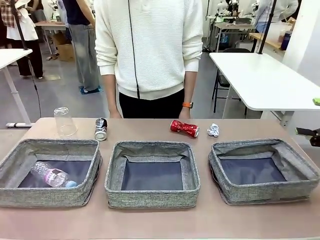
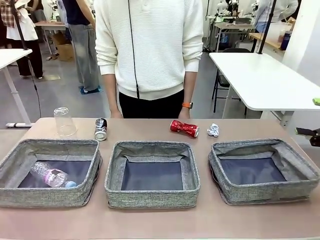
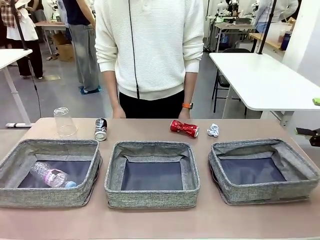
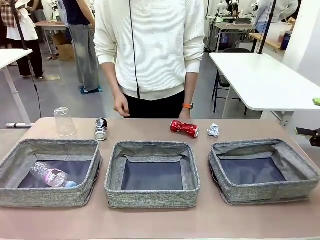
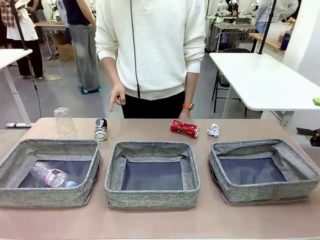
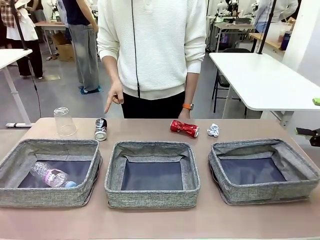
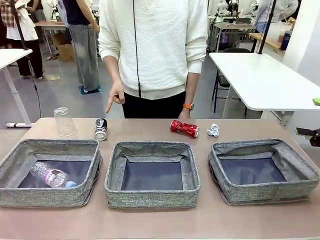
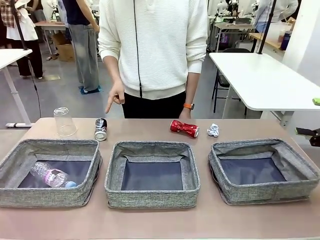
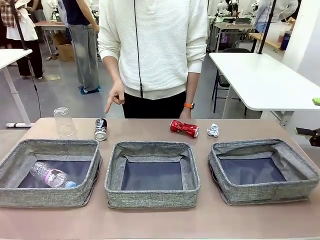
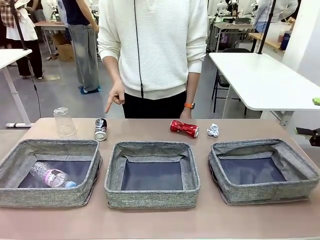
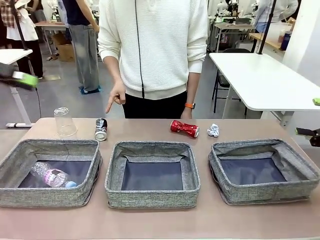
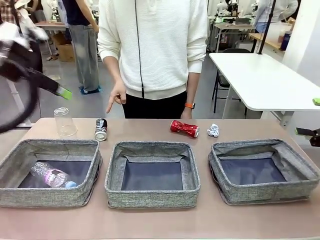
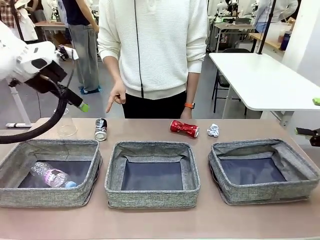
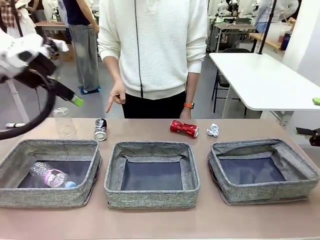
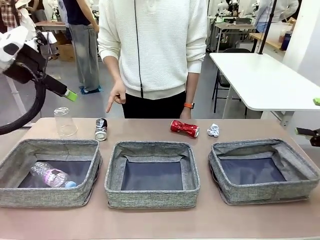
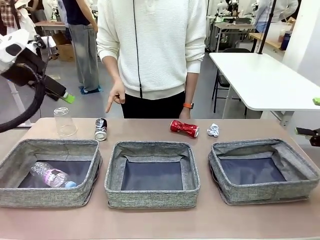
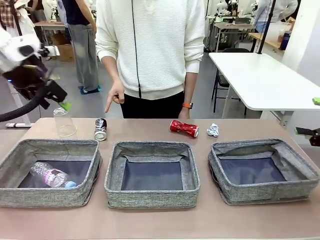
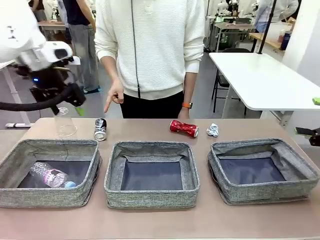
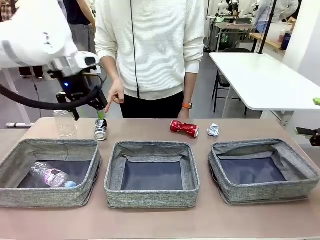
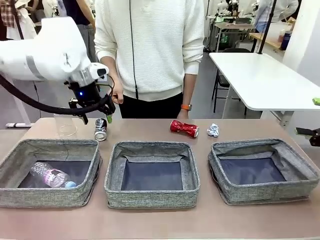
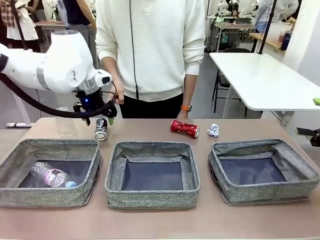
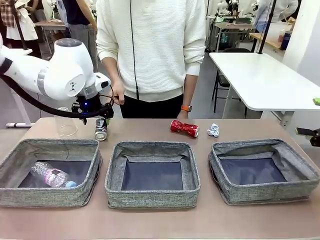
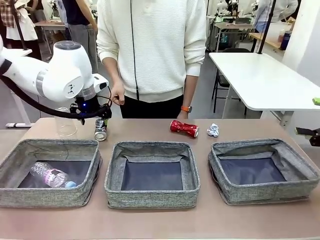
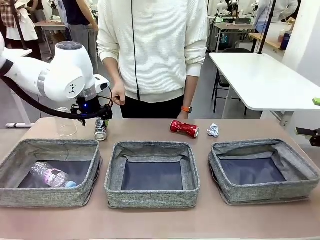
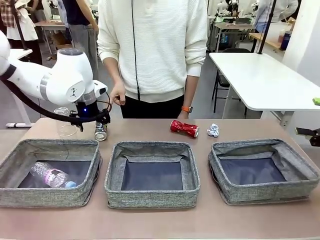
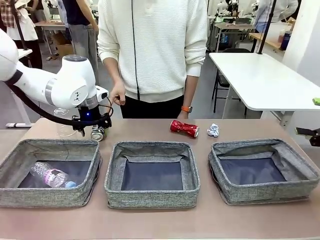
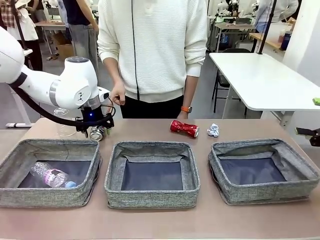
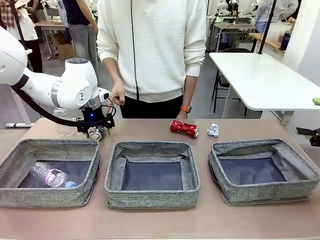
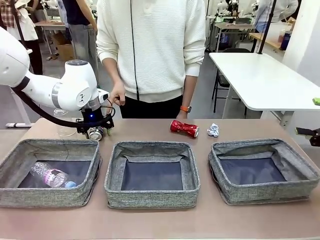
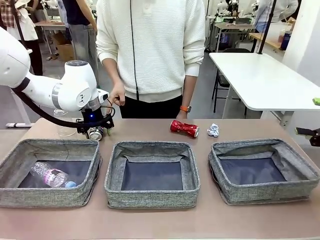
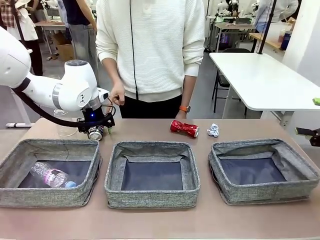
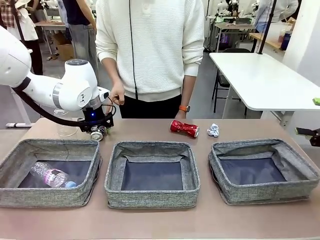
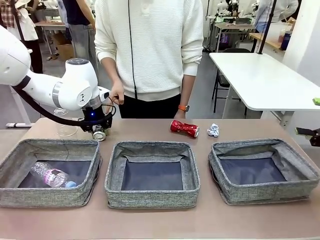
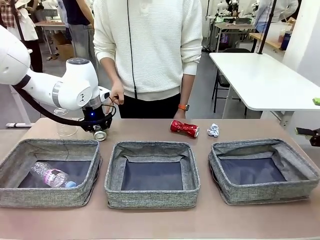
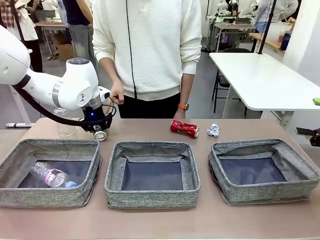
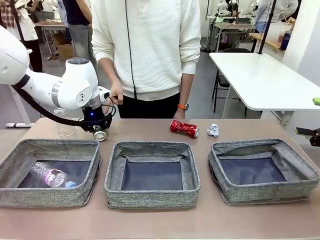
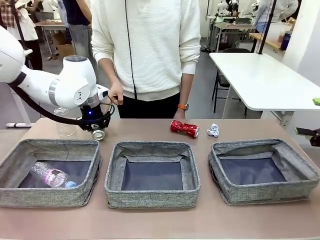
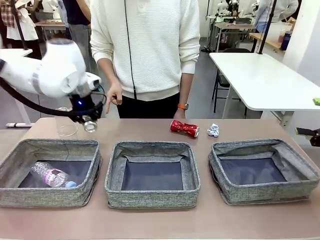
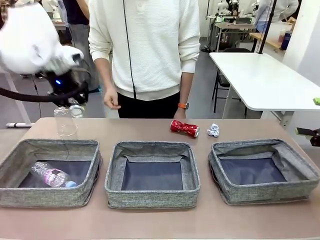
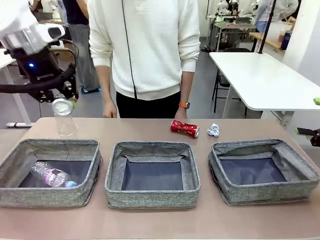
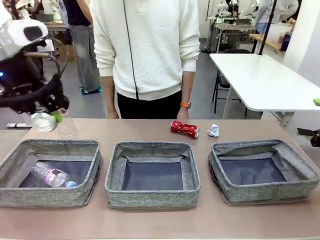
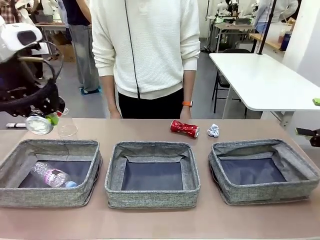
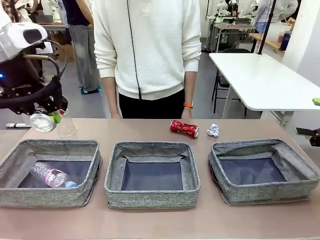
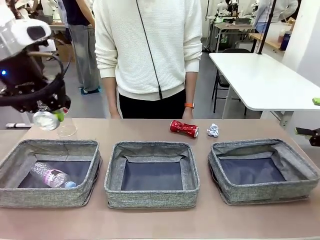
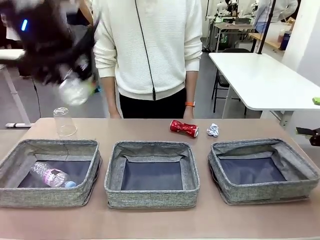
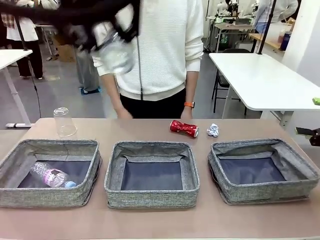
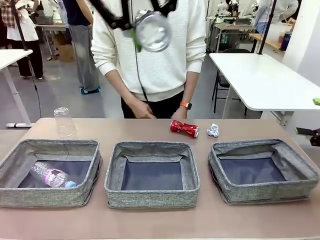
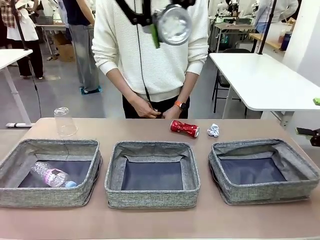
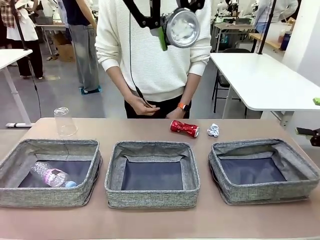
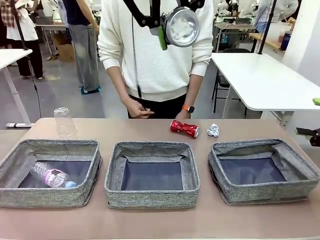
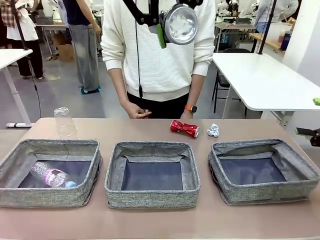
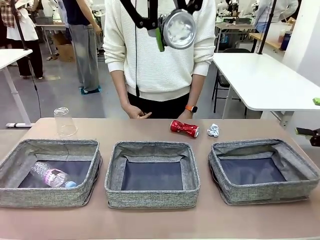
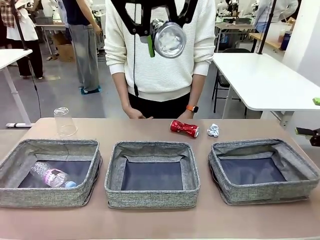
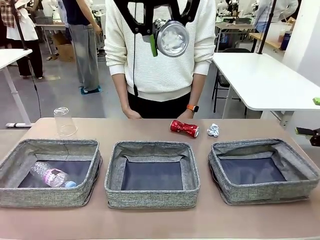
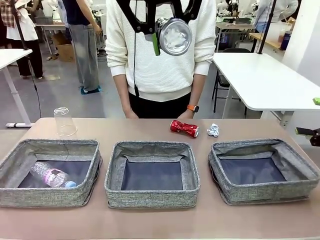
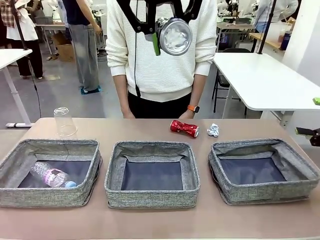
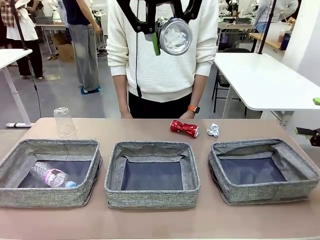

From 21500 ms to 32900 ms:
Task: Sort the waste into the appropriate baskets.
Robot: Pick up the waste item pointed out by the person.
Person: Points to one piece of trash on the table.

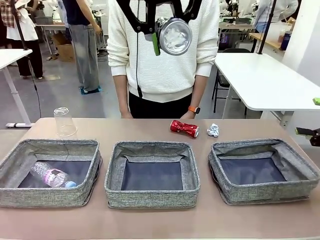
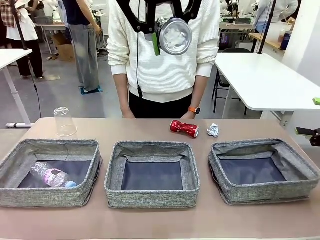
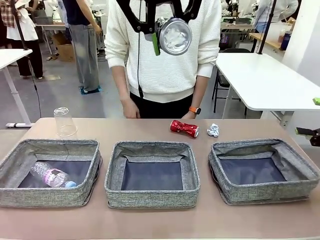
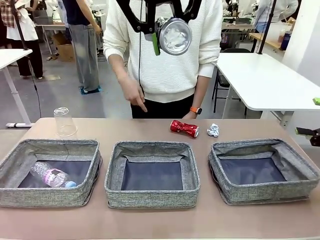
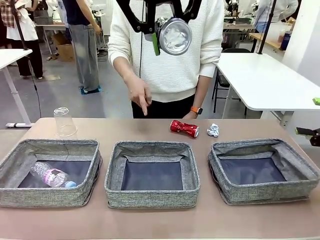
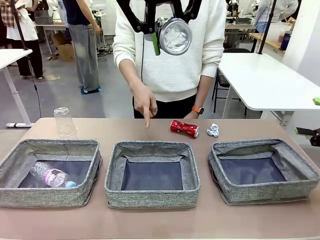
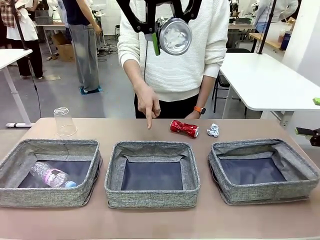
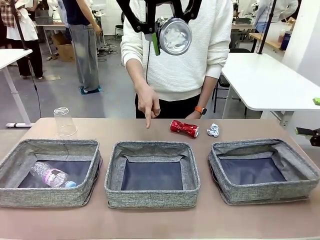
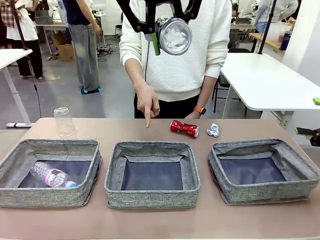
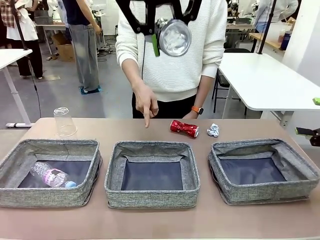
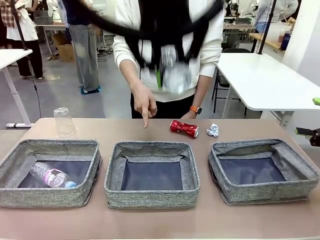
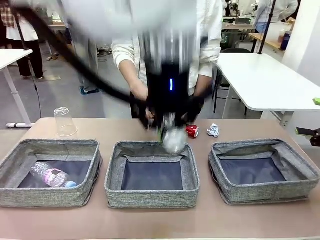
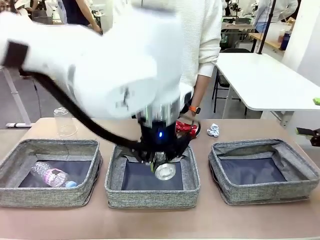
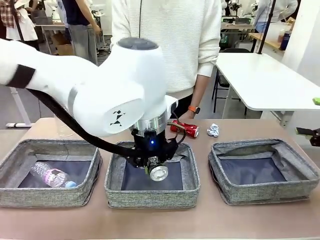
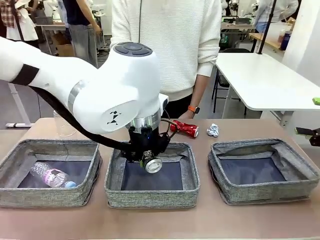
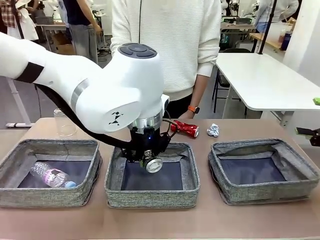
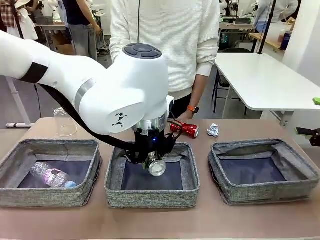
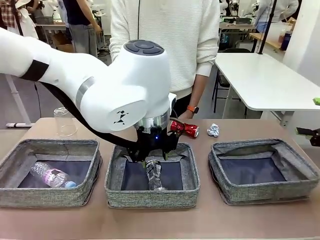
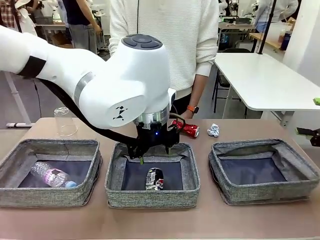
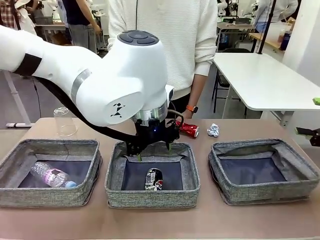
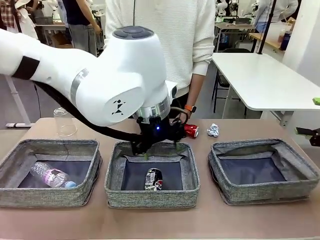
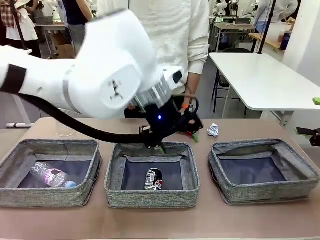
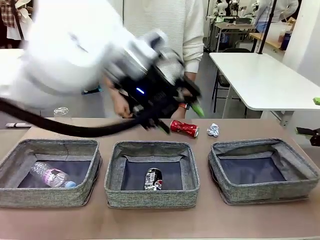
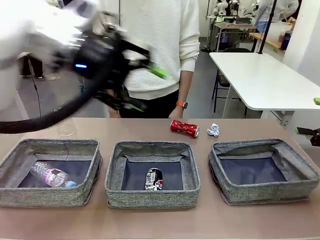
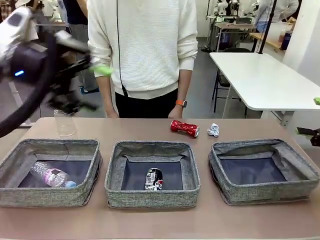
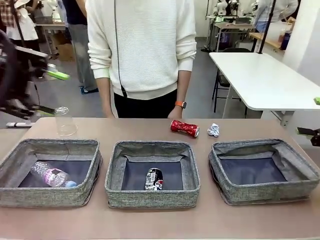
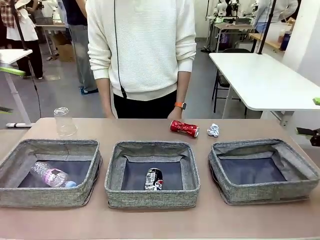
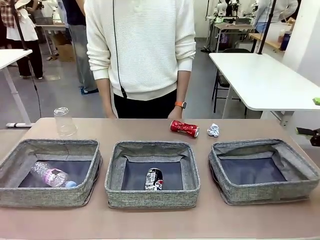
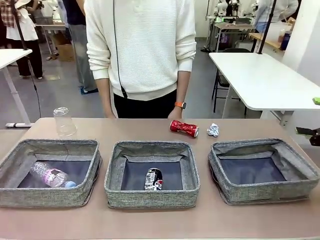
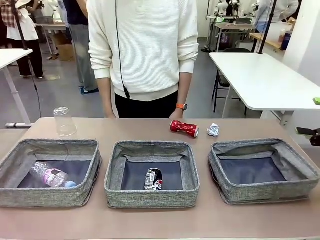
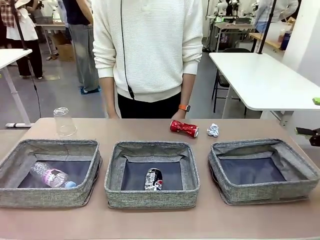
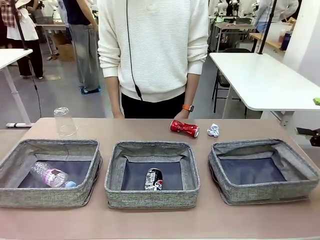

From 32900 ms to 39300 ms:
Robot: Place the picked waste into the Fabric basket indicated by the person.
Person: Instructs the robot to place the picked-up trash into the appropriate organizing basket.

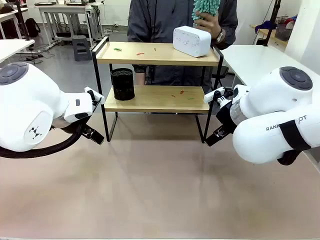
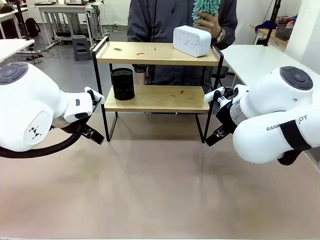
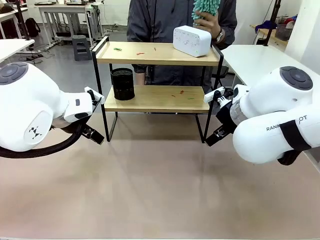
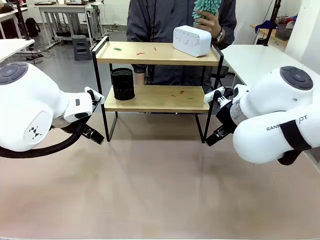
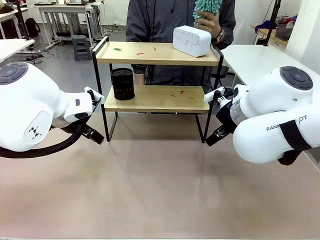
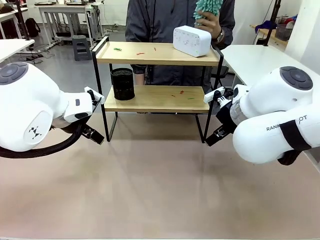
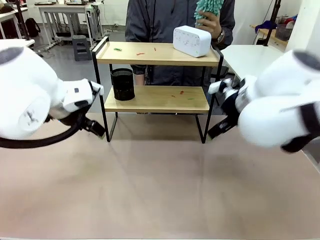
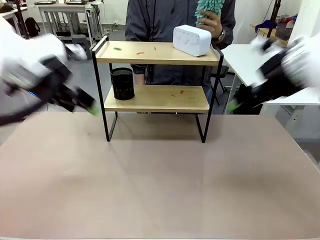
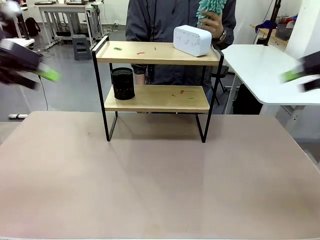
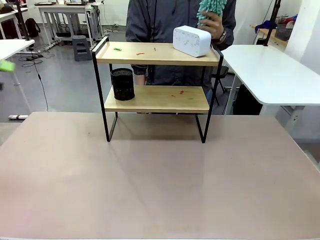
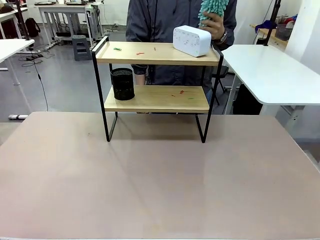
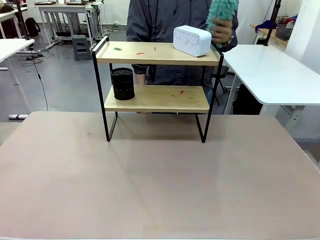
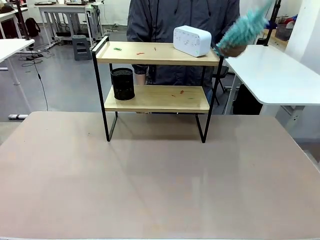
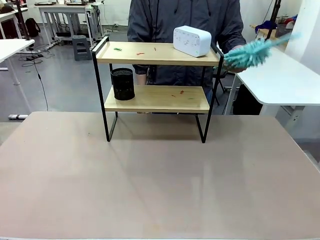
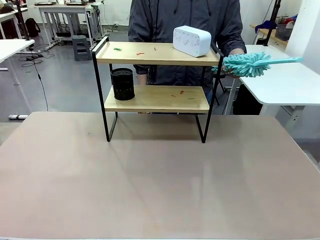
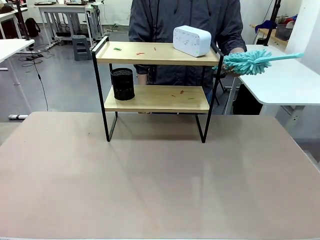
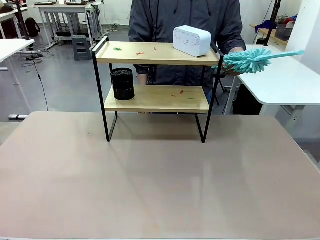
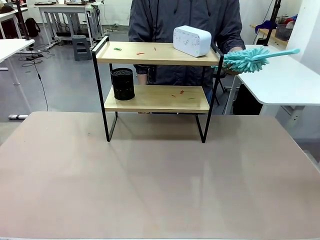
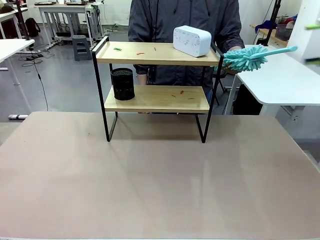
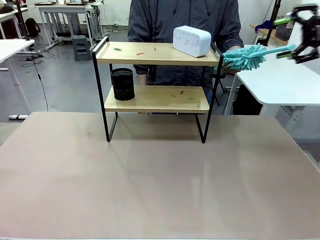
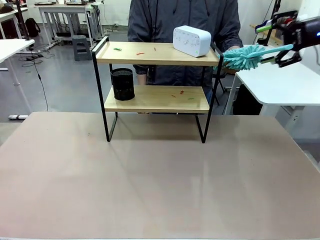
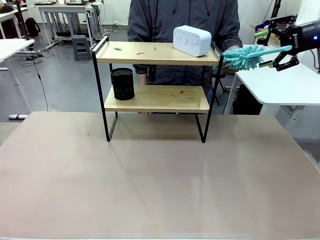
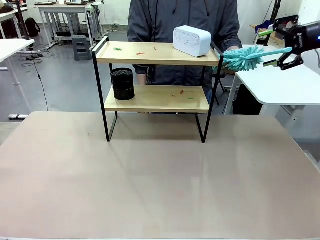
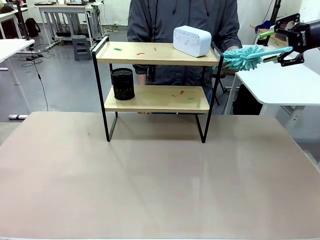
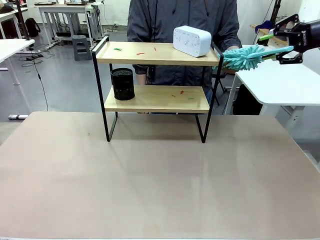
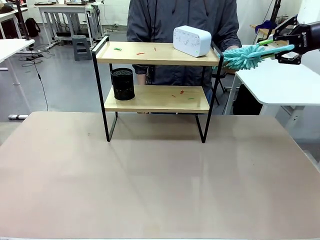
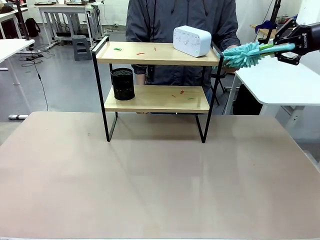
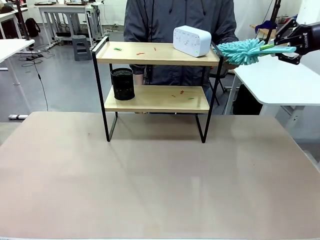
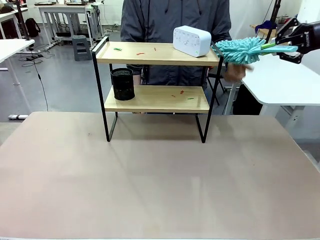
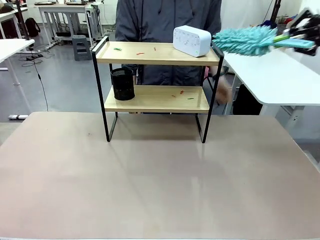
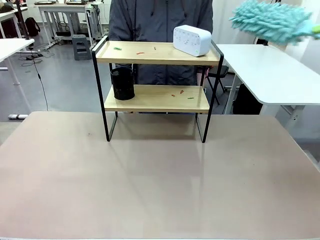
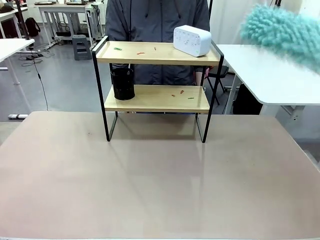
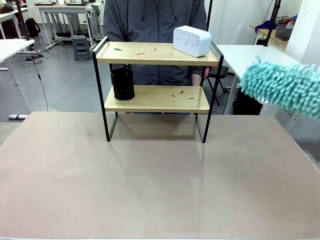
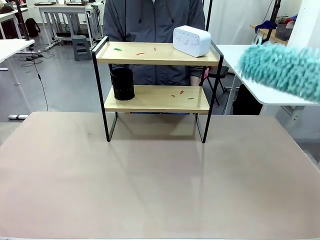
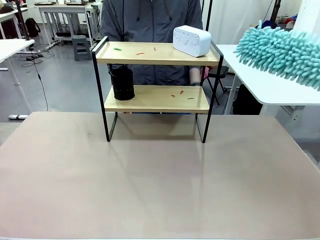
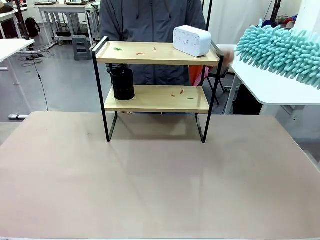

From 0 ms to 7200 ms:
Task: Clean the shelf.
Robot: Pick up the Duster from the human.
Person: Hand the Duster to the robot.
